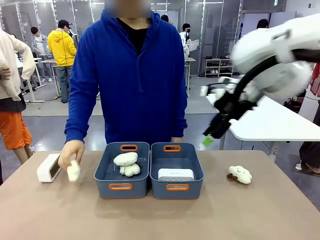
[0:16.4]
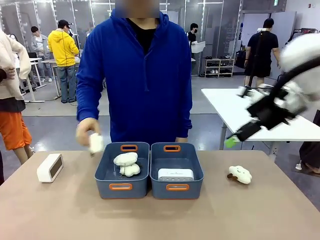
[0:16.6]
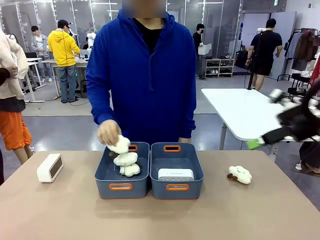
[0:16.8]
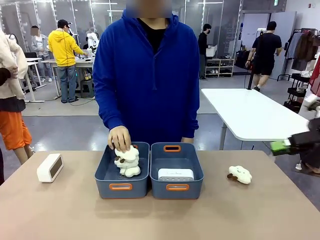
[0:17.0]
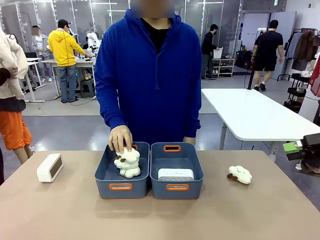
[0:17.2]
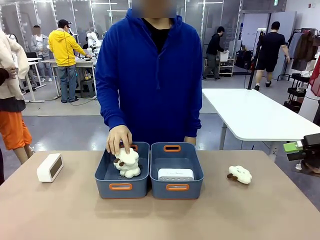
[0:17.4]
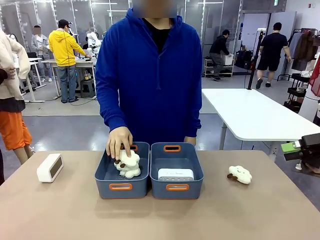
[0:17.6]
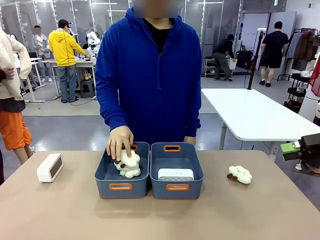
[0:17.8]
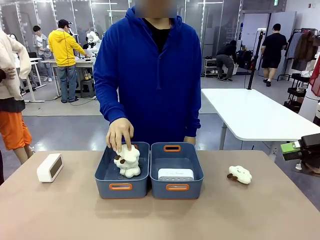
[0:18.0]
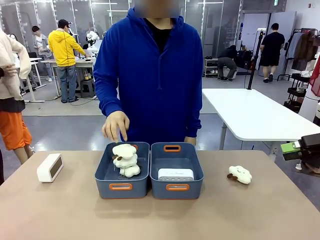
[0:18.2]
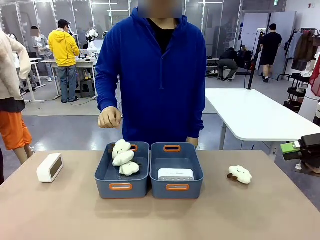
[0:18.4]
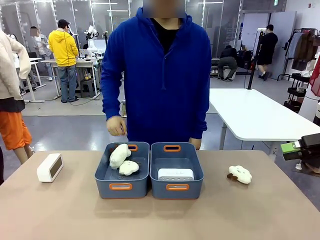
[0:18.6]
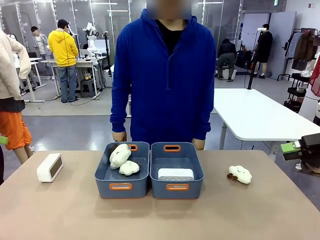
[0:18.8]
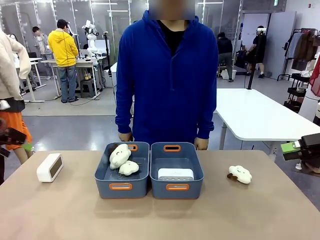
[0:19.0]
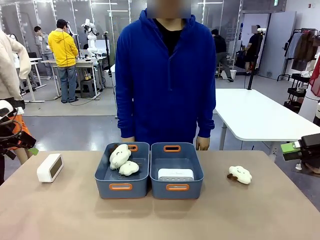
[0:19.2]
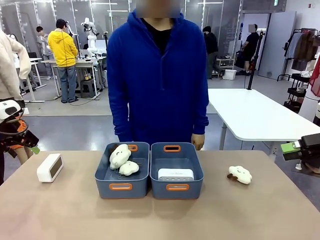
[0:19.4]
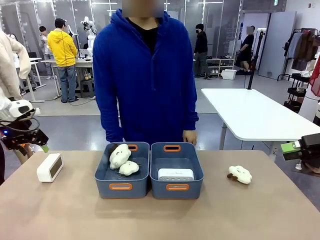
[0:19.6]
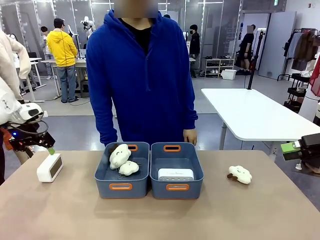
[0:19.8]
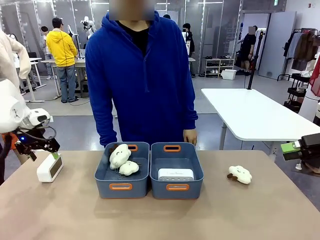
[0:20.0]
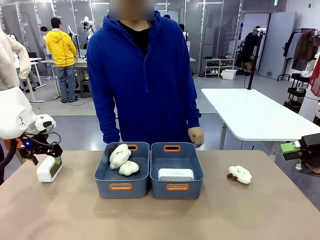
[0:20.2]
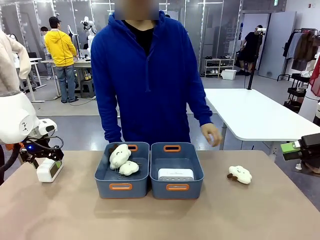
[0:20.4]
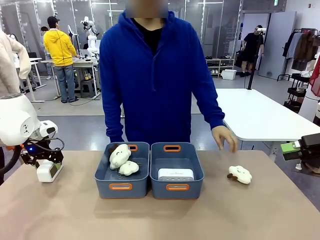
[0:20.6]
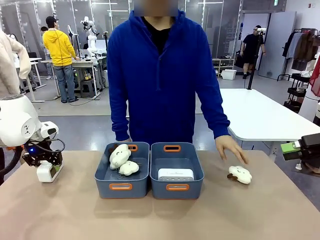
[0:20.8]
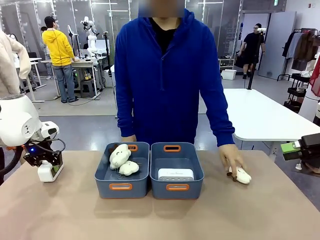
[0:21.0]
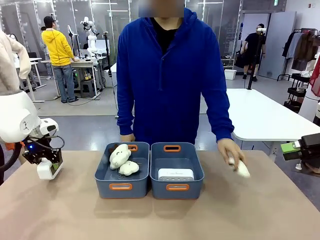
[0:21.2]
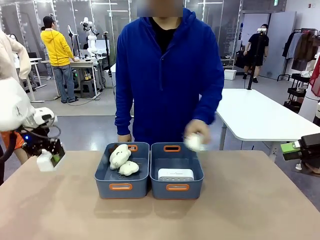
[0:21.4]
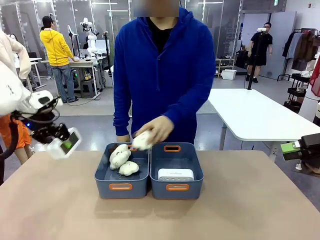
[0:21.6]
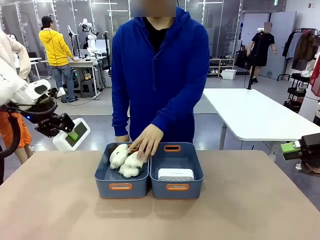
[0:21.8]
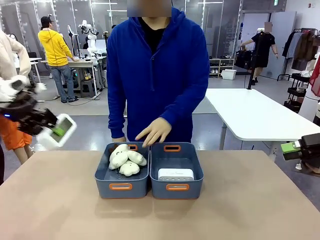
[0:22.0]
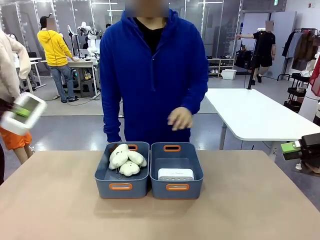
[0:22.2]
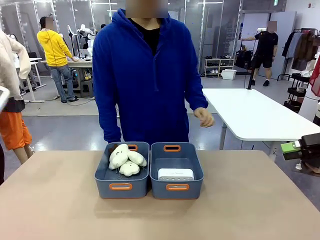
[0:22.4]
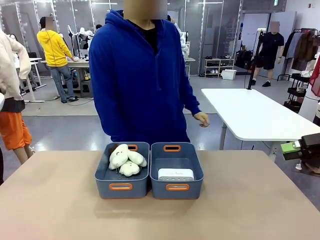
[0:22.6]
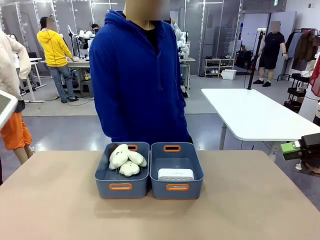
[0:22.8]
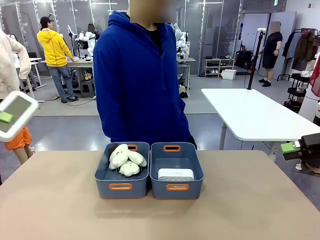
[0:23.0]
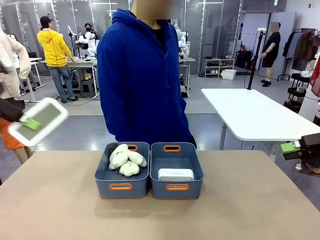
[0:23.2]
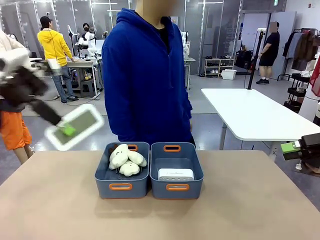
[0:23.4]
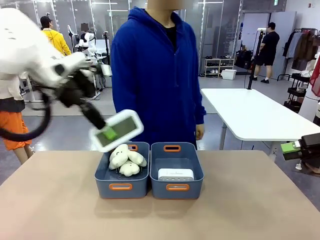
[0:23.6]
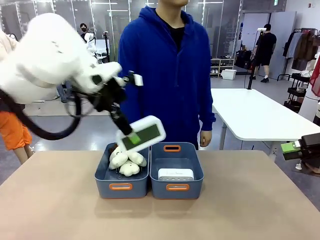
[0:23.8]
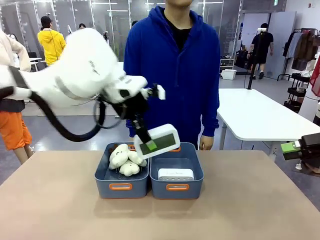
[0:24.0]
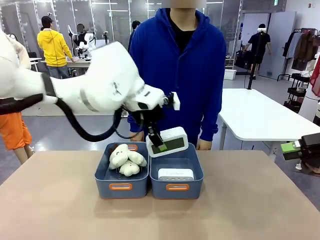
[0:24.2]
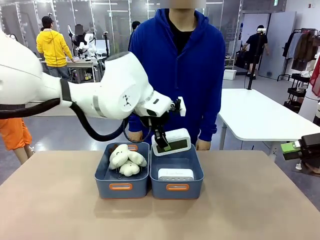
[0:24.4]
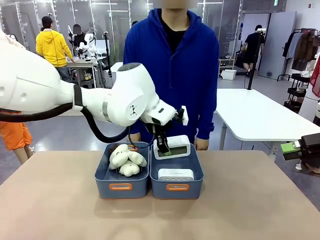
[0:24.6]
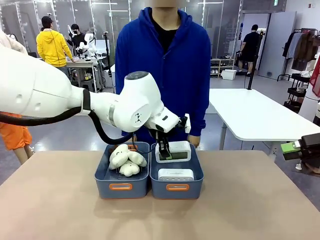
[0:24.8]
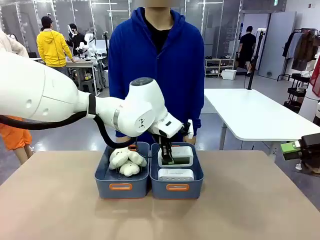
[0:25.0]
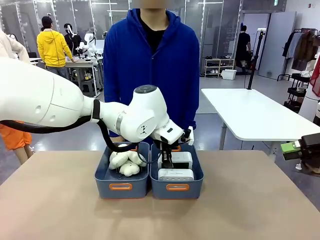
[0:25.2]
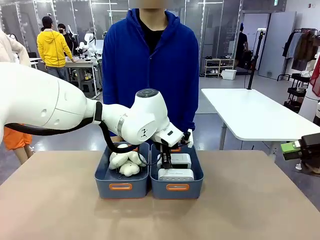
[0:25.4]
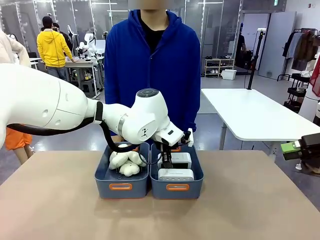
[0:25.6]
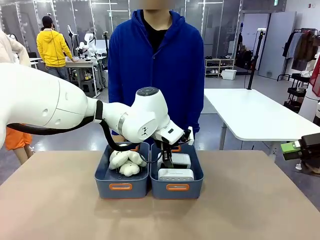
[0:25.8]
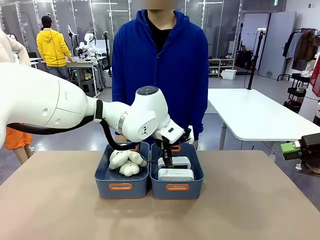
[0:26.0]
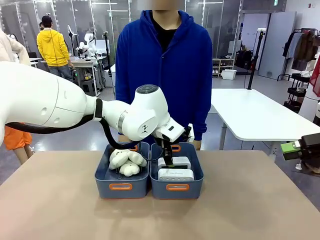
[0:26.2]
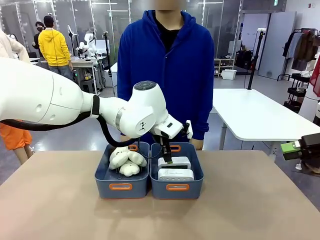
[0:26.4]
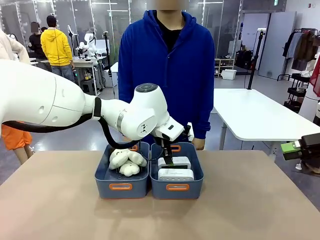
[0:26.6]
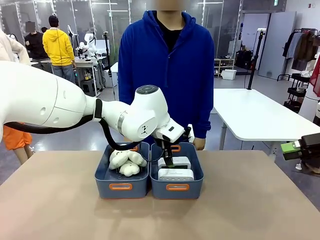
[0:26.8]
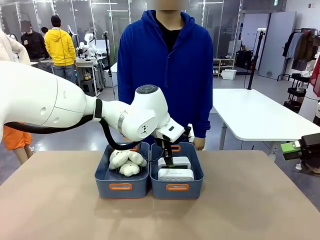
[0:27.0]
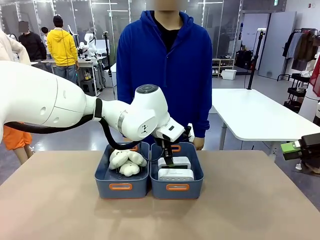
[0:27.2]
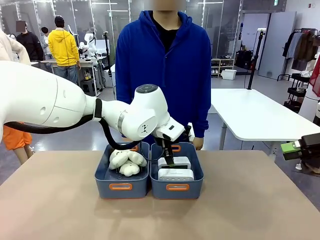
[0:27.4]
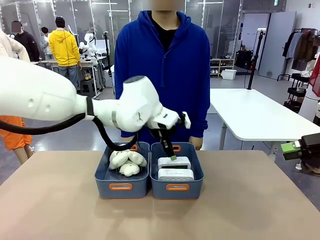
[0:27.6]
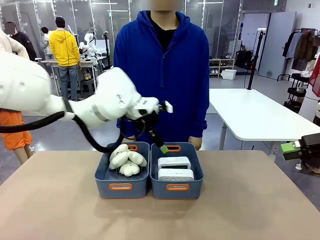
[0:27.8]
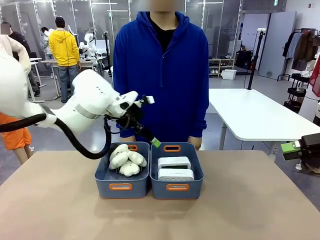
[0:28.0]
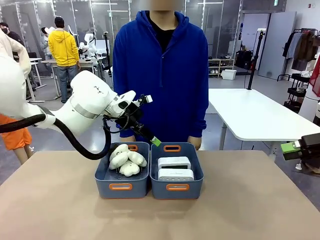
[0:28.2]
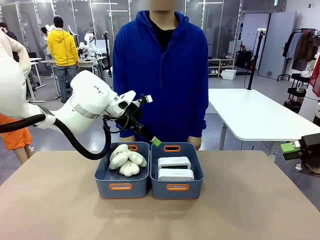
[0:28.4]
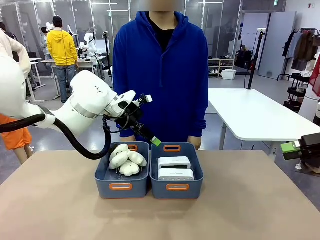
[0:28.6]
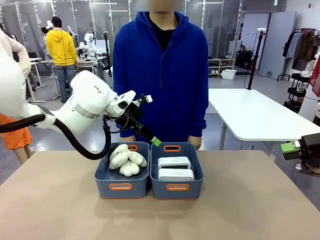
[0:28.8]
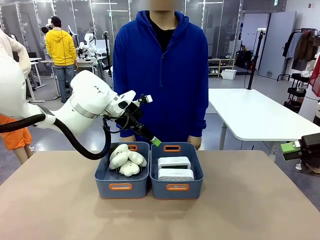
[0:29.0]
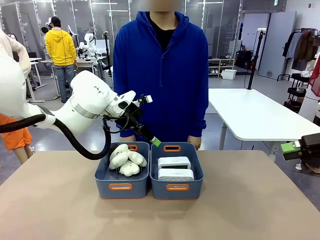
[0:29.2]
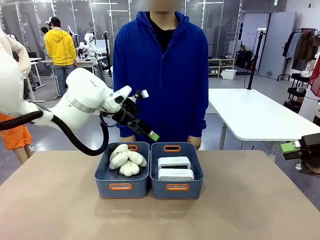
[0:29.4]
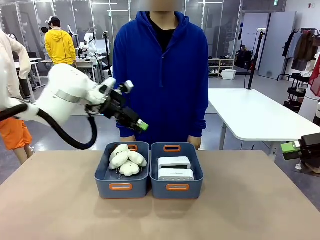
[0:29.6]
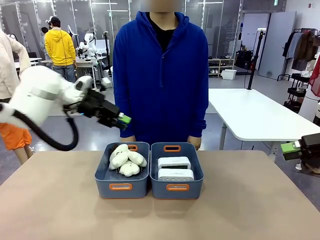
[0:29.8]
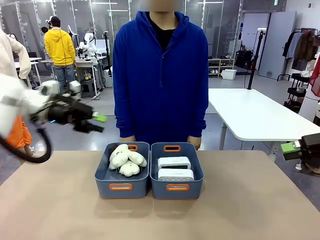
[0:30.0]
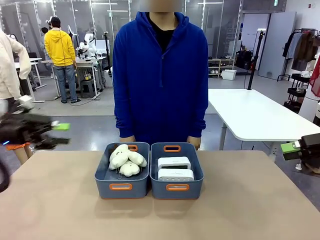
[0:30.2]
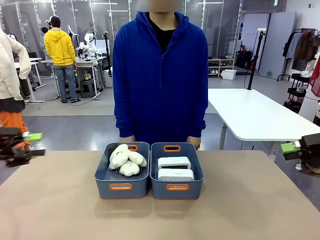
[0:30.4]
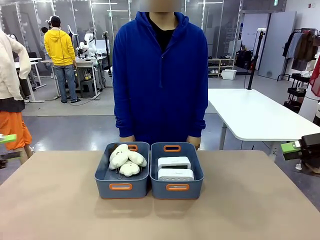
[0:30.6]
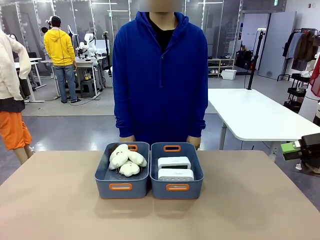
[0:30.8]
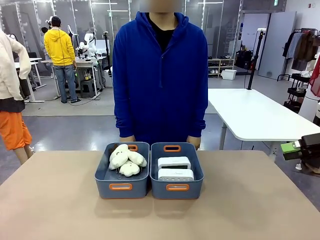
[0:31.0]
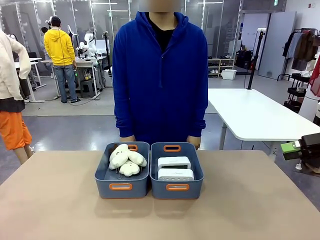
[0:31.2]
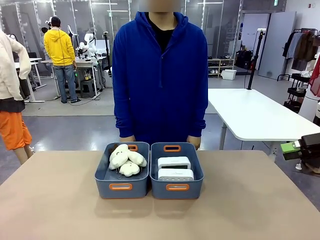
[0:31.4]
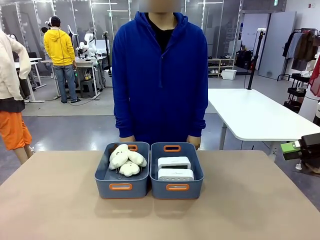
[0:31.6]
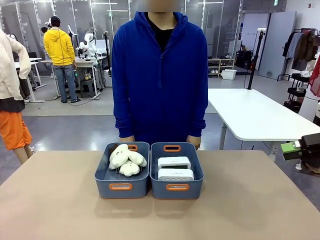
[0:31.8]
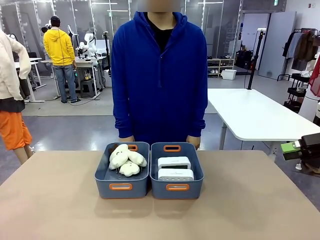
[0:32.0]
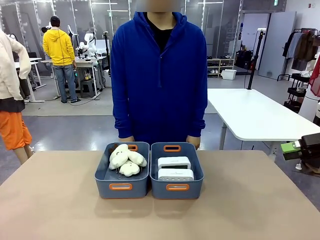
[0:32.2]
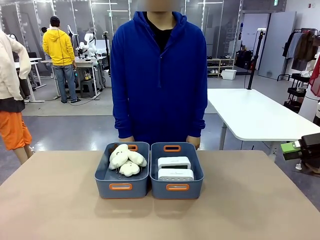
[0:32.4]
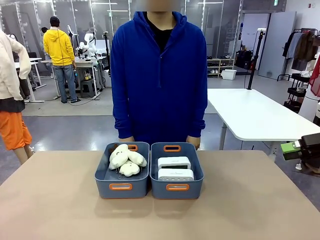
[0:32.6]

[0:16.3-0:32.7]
Task: Sort the digital clocks into the basket.
Robot: Pick up the Digital clock from the table and place it into the empty Plastic storage basket.
Person: Pick up a plush toy from the table and place it in the plastic storage basket containing the plush toy.
